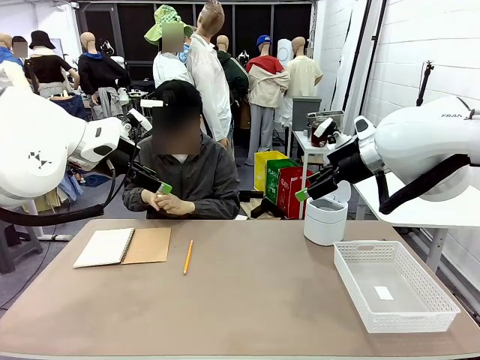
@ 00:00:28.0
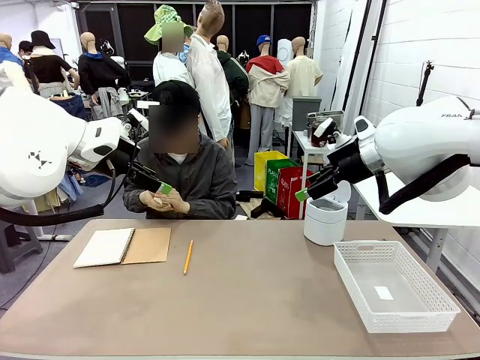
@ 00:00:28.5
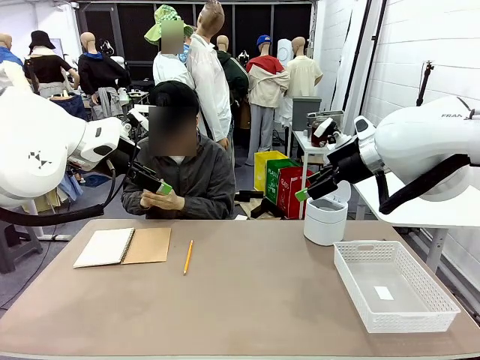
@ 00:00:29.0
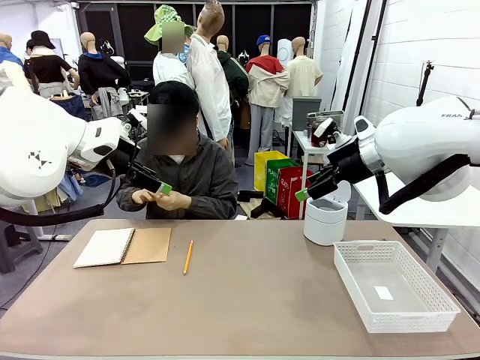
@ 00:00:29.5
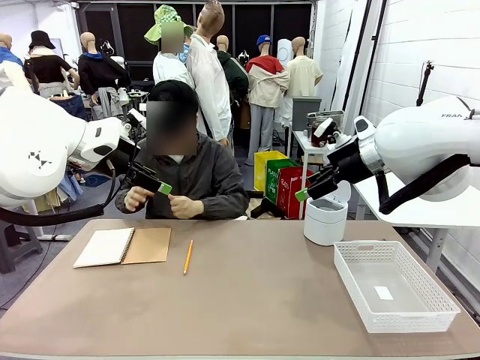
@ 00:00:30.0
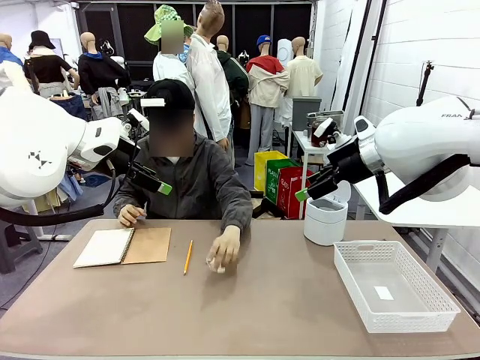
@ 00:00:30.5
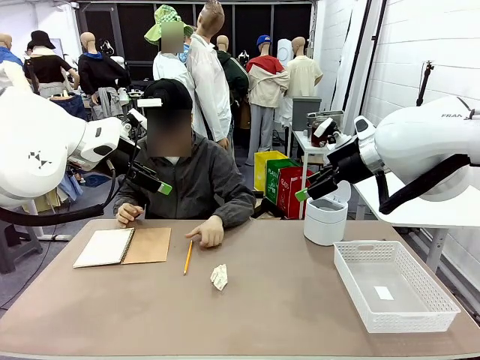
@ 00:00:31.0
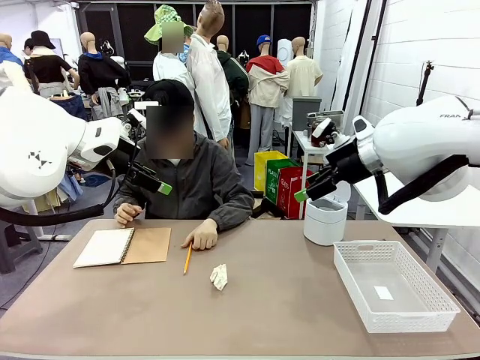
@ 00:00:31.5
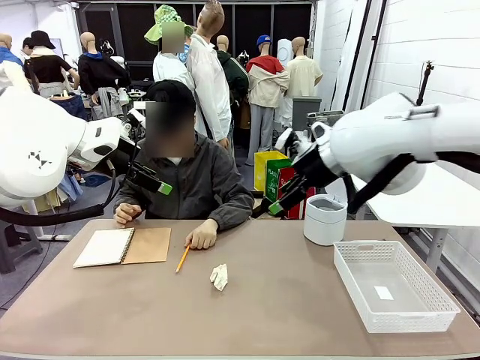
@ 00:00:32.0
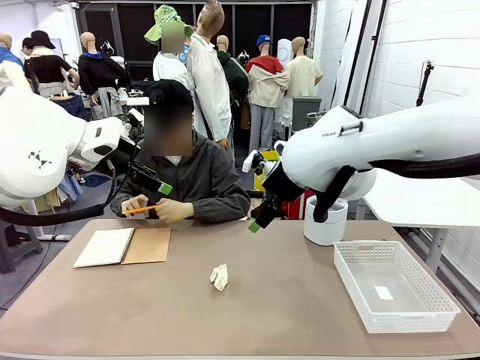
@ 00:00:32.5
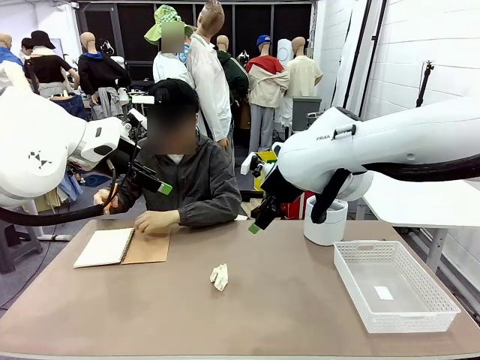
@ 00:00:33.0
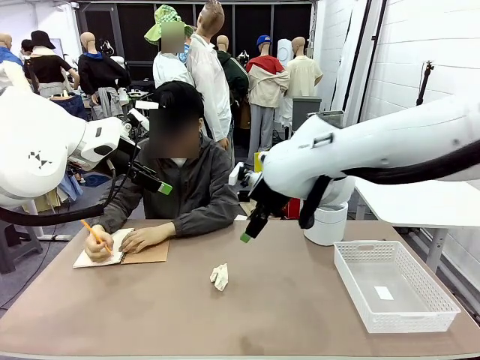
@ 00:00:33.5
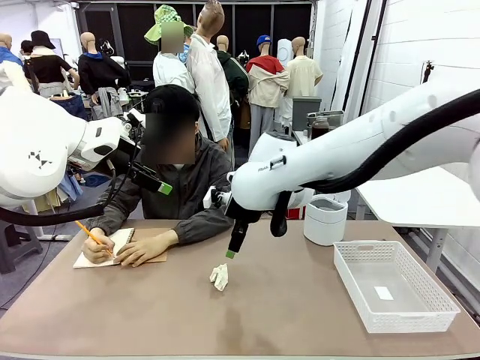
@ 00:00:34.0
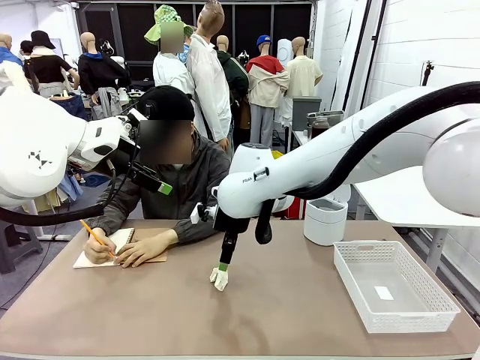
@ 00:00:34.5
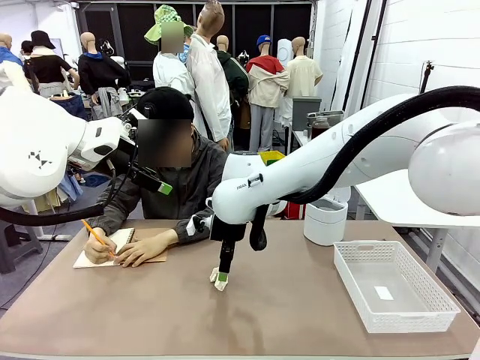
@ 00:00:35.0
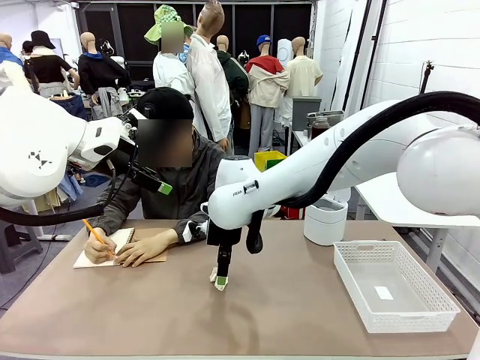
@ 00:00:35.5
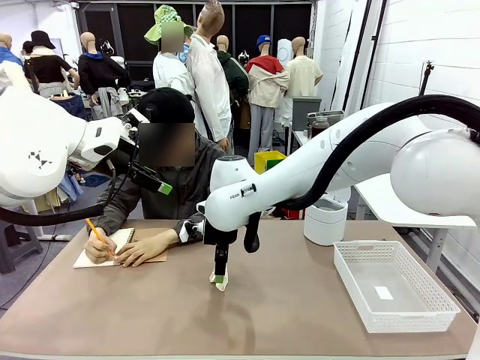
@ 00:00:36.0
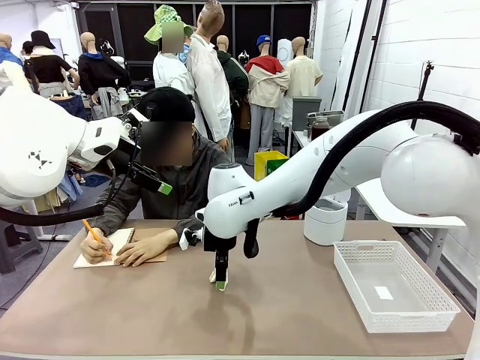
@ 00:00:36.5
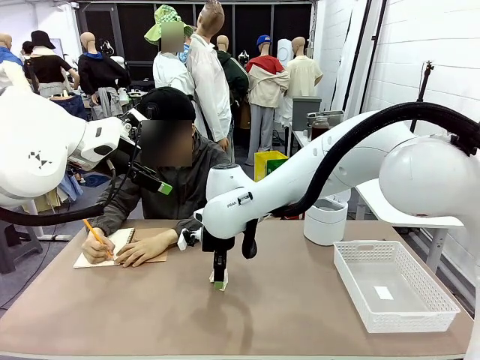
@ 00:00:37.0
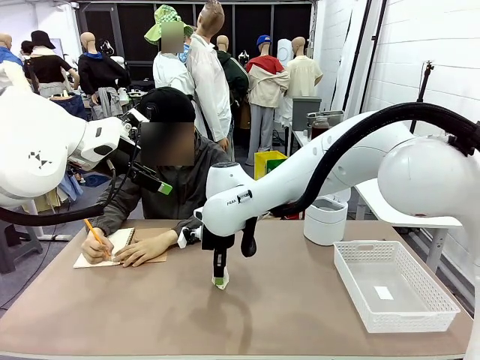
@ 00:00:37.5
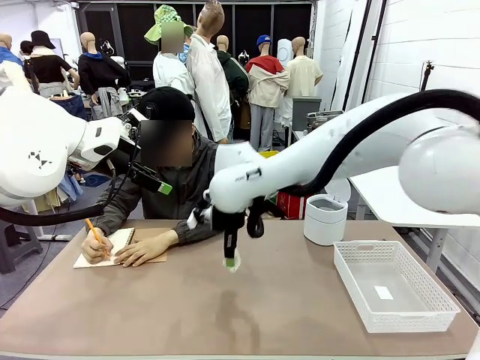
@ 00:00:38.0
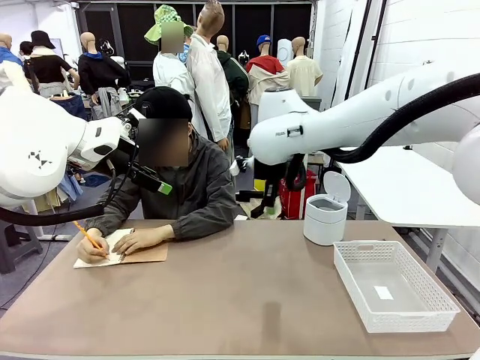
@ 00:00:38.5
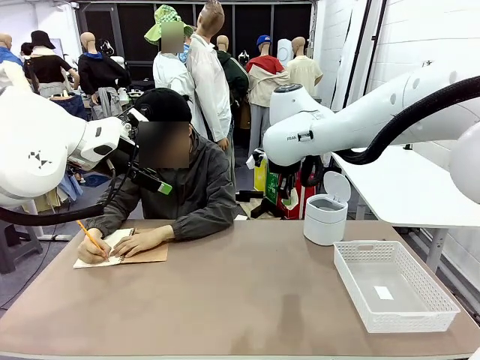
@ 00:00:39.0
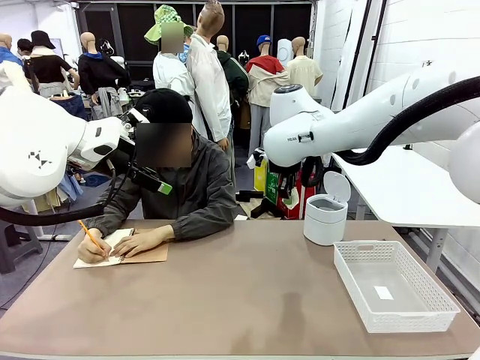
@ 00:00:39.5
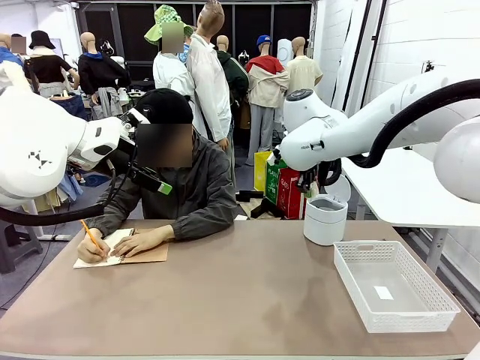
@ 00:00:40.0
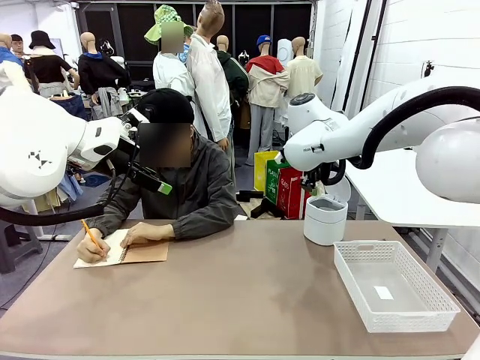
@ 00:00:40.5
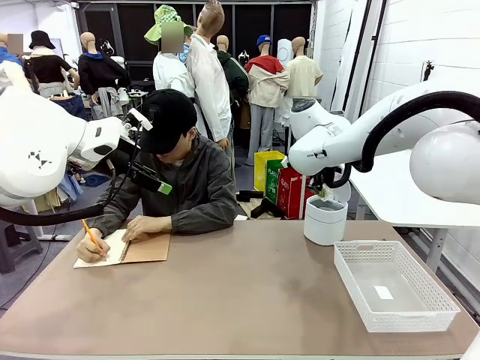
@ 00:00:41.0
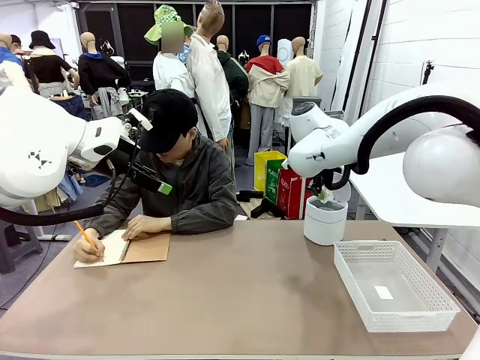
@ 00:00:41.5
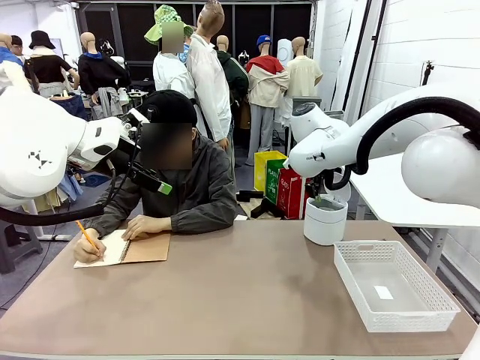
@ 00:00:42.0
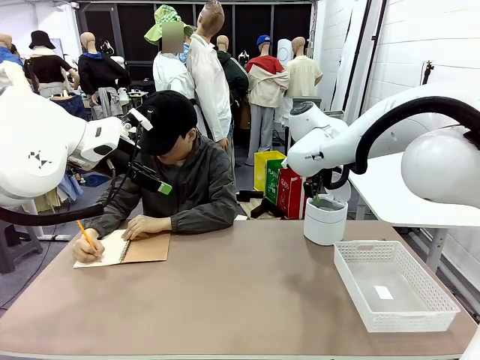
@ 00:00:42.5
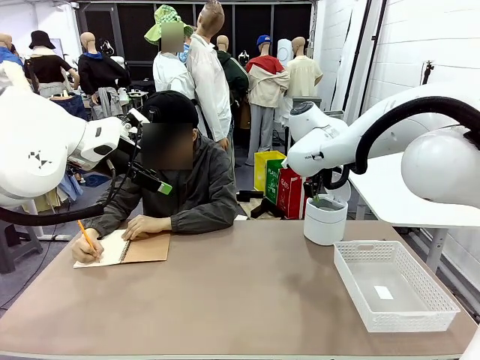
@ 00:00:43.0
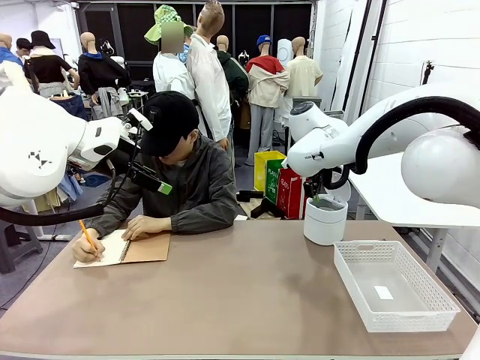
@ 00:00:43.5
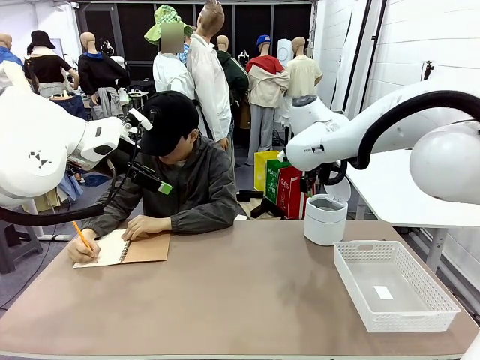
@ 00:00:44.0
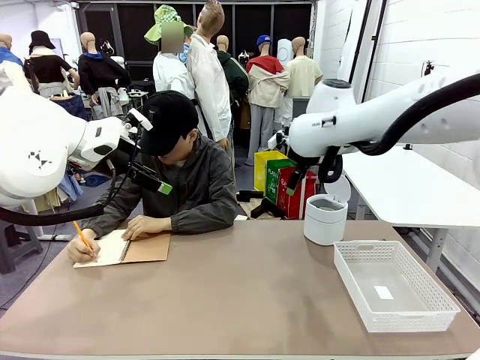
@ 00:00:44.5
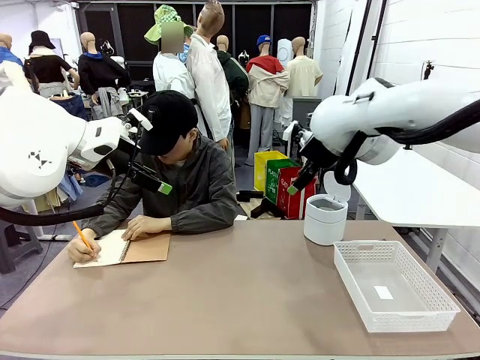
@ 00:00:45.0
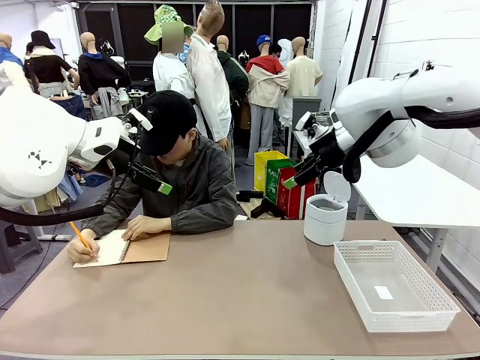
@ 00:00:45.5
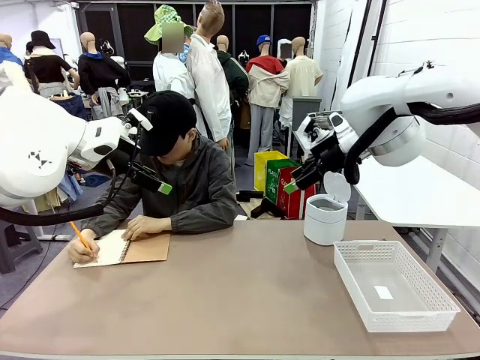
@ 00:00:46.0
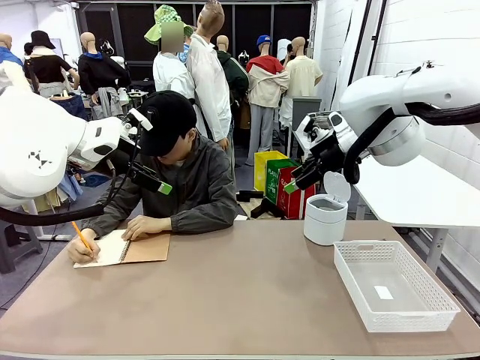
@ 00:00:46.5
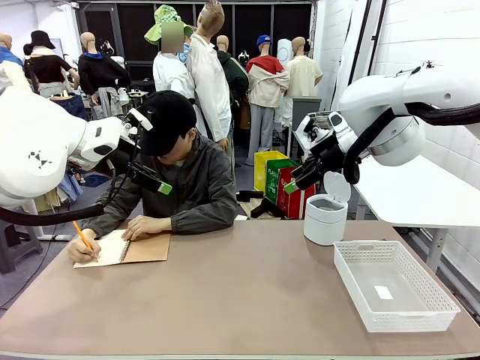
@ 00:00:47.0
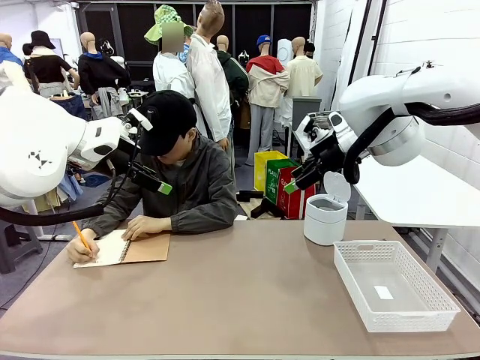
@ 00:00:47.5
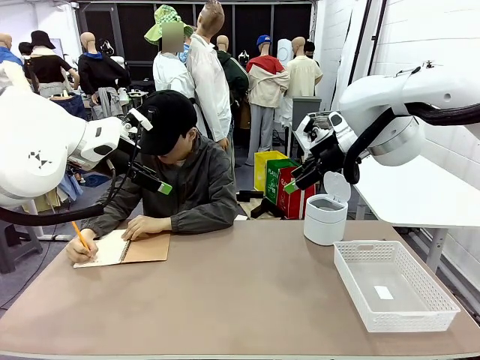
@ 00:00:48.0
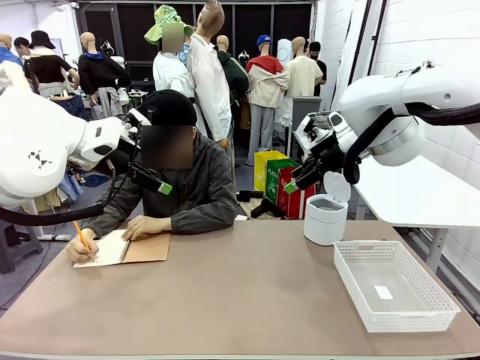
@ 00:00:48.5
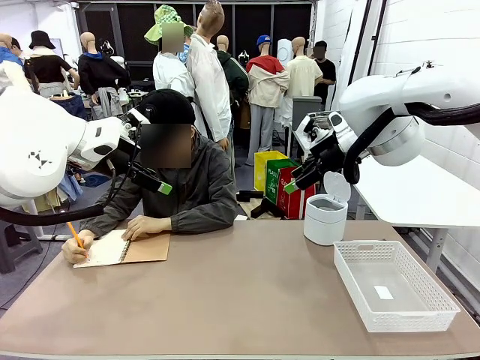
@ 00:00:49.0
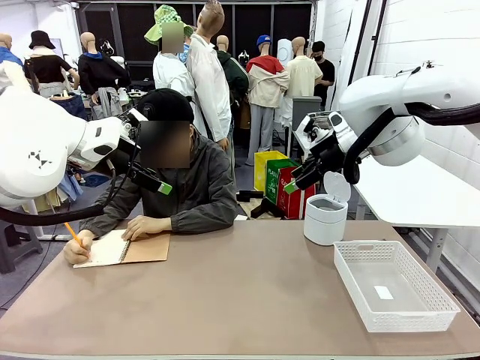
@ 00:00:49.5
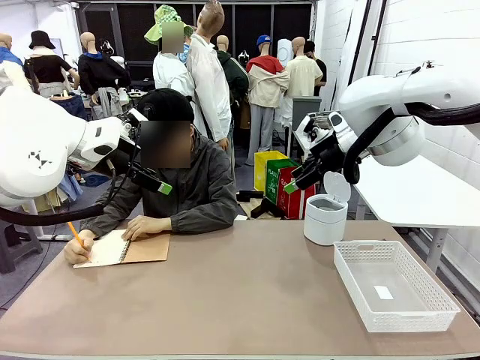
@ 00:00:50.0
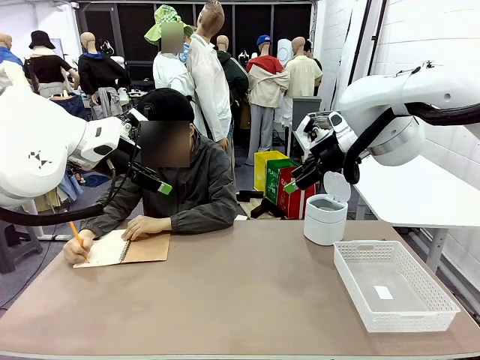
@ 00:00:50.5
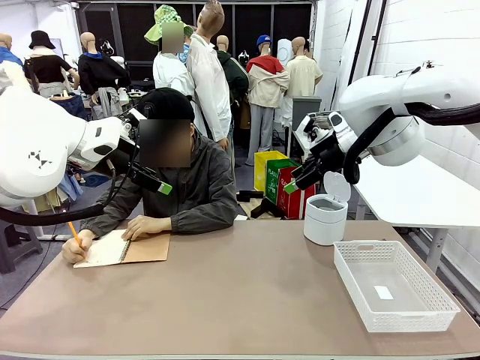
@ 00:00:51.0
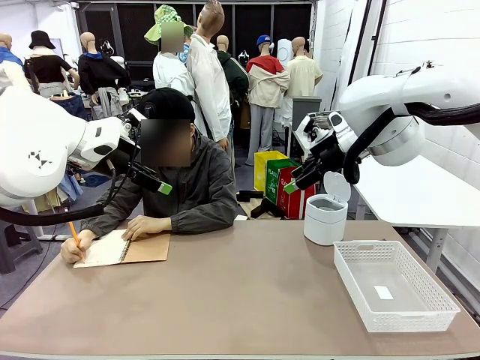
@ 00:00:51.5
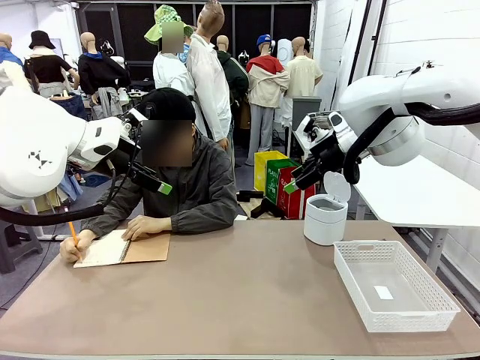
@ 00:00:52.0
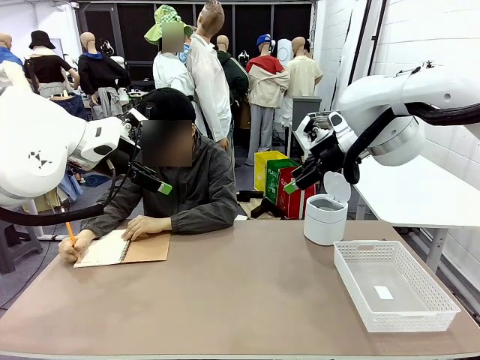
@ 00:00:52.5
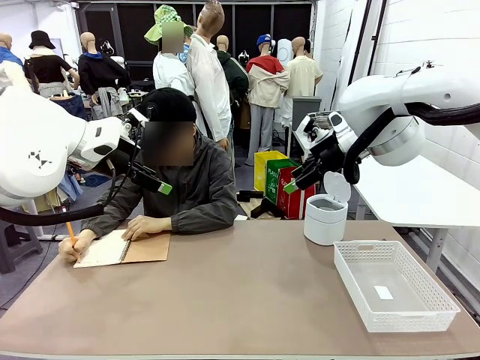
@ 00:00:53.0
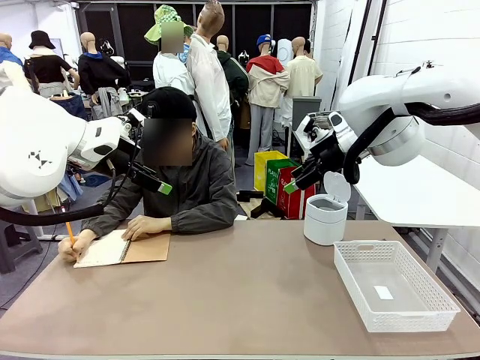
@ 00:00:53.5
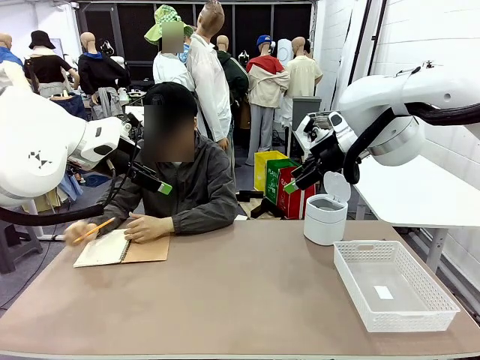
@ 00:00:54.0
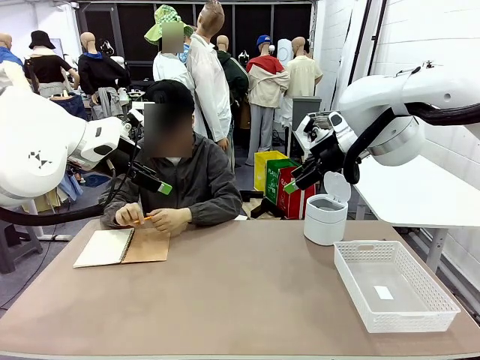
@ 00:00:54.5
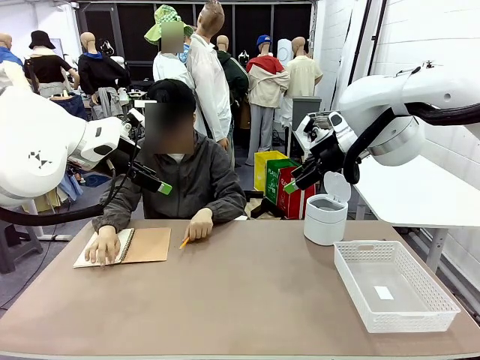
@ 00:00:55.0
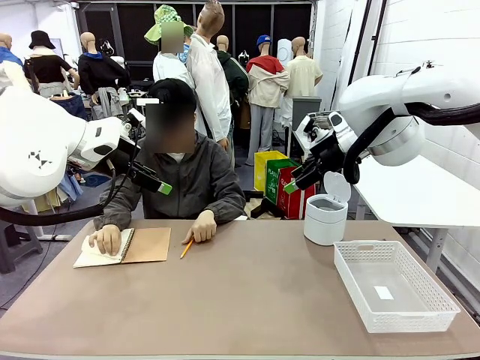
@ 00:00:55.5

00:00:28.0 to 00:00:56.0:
Task: Sort the paper based on its condition.
Robot: If a person hands you a paper, place it in the Organizing basket , and if it's crumpled, put it in the Trash can.
Person: Hand the torn page to the robot or crumple it and throw it to the center of the table. Tear out a page from the spiral notebook.
